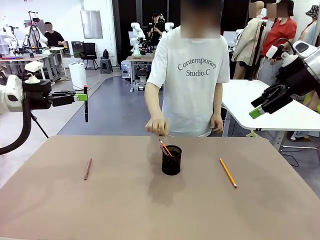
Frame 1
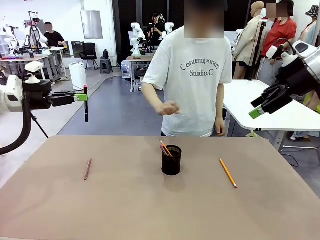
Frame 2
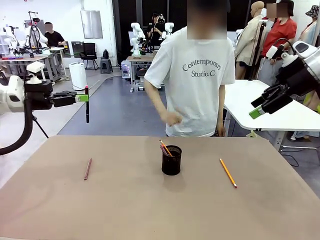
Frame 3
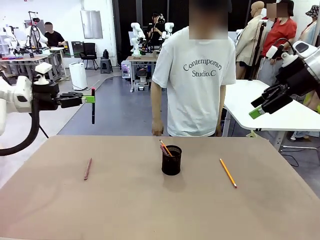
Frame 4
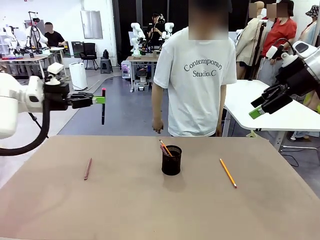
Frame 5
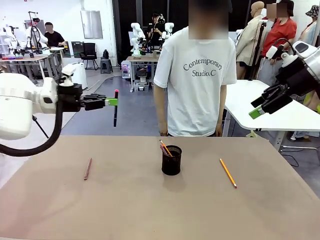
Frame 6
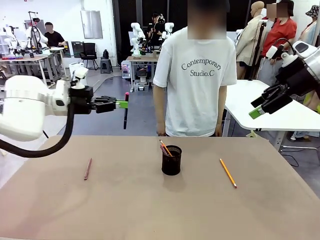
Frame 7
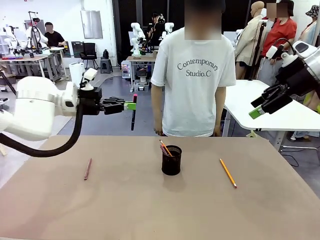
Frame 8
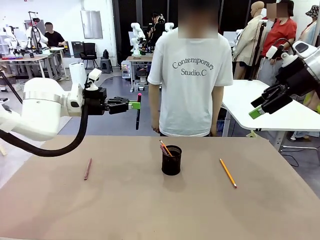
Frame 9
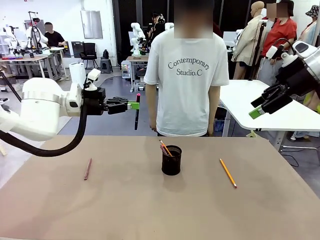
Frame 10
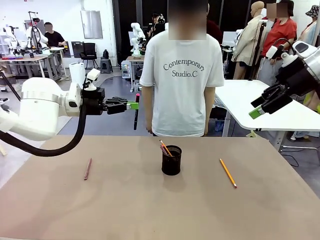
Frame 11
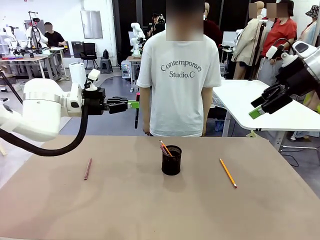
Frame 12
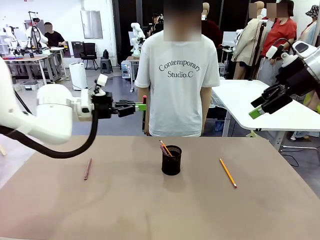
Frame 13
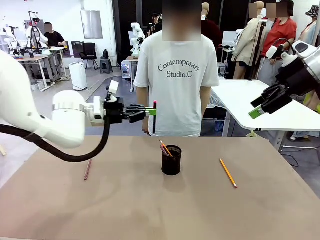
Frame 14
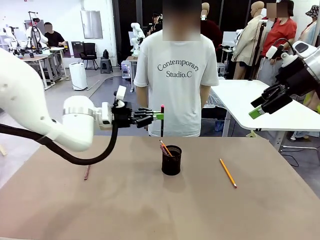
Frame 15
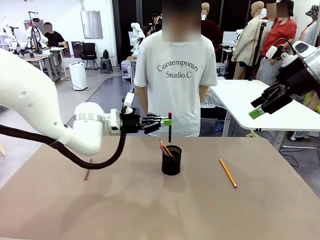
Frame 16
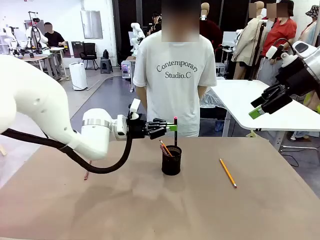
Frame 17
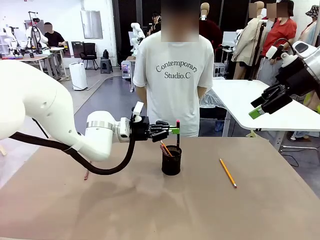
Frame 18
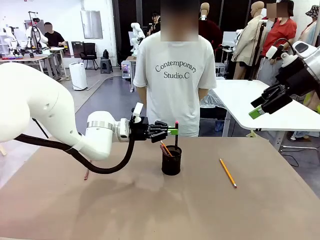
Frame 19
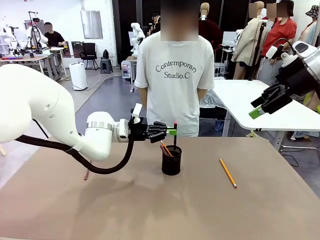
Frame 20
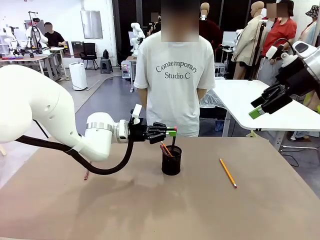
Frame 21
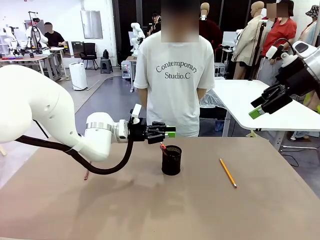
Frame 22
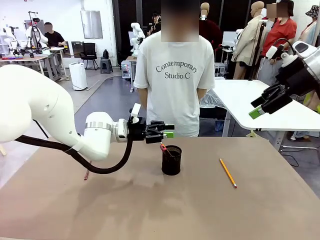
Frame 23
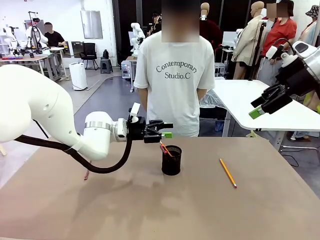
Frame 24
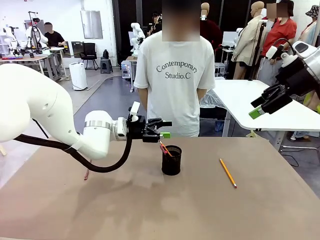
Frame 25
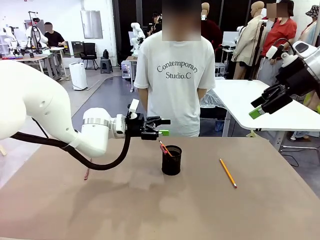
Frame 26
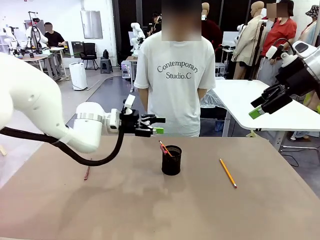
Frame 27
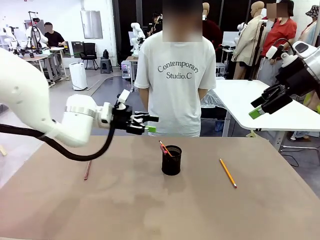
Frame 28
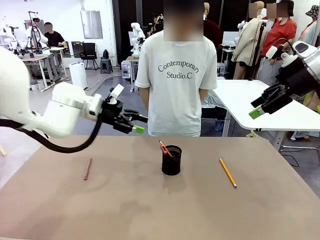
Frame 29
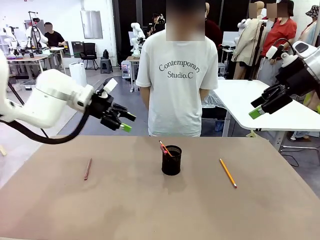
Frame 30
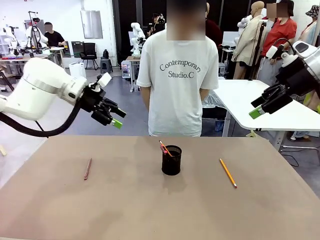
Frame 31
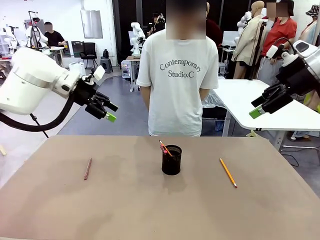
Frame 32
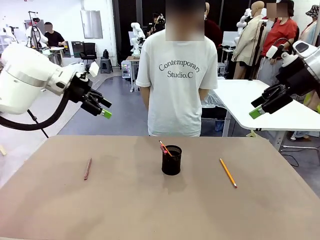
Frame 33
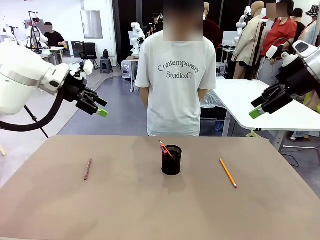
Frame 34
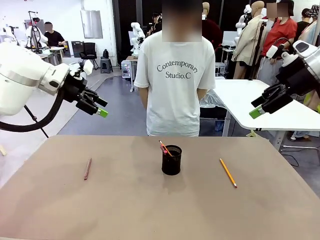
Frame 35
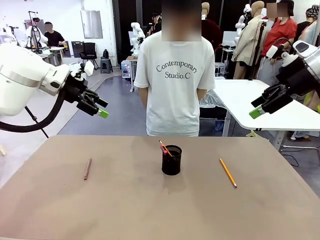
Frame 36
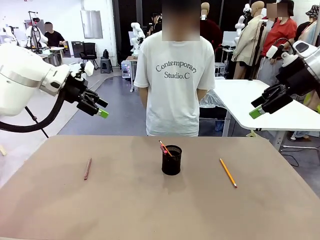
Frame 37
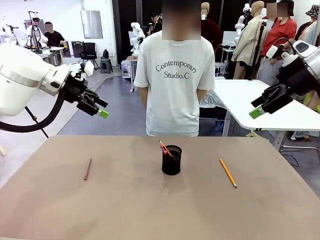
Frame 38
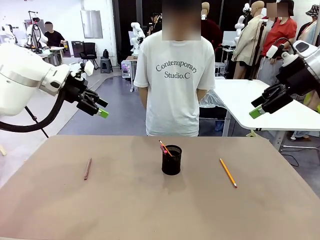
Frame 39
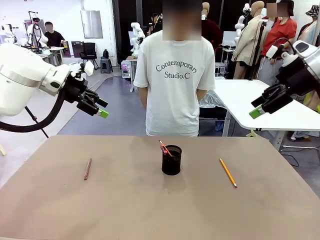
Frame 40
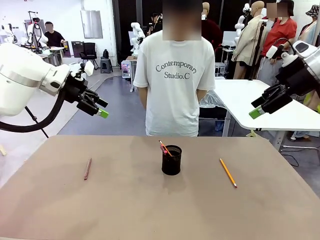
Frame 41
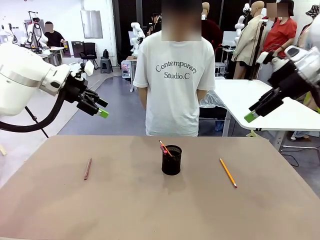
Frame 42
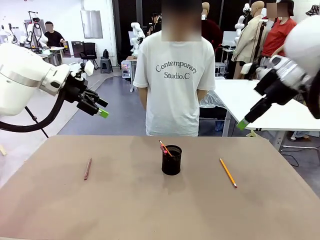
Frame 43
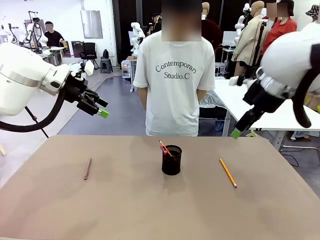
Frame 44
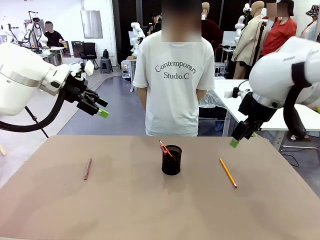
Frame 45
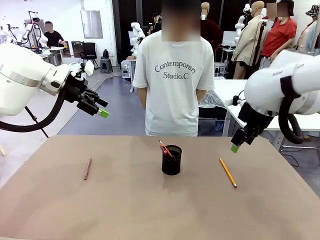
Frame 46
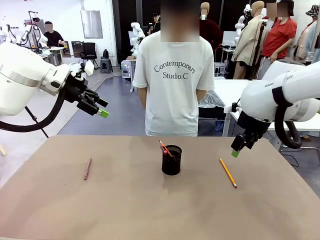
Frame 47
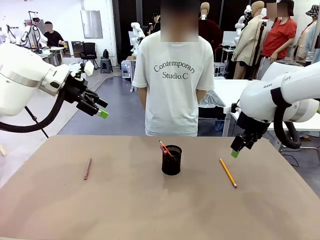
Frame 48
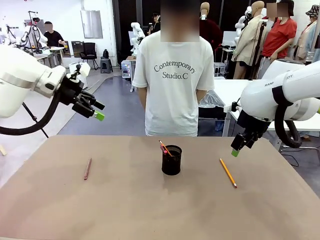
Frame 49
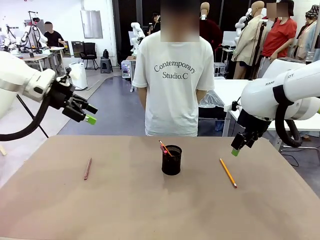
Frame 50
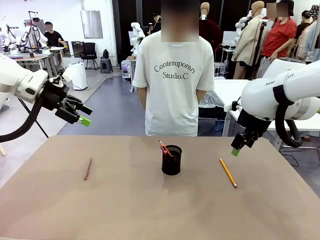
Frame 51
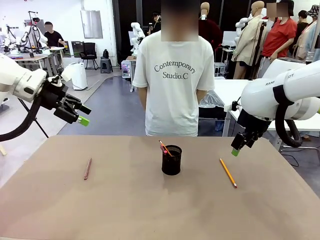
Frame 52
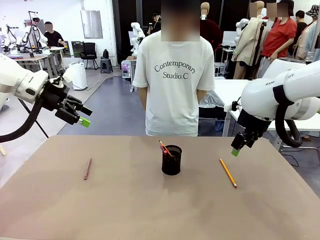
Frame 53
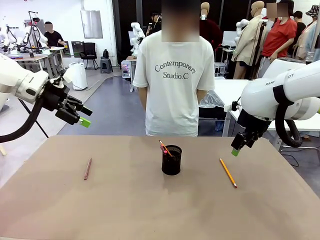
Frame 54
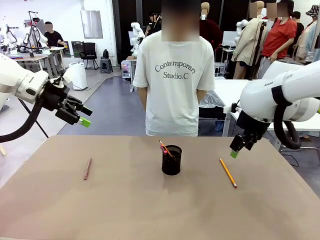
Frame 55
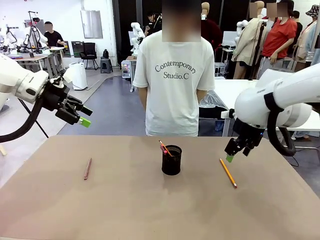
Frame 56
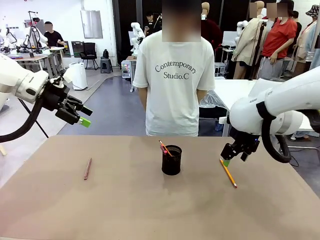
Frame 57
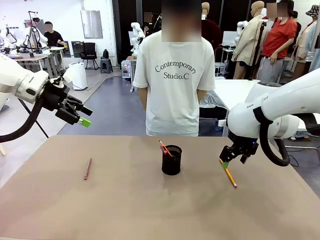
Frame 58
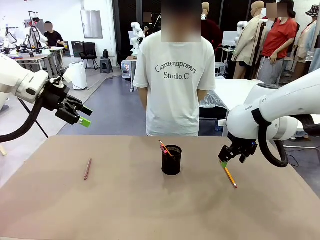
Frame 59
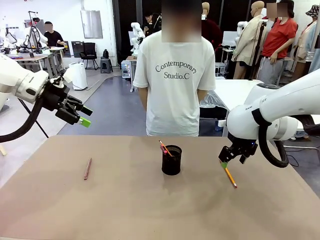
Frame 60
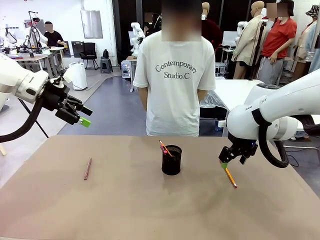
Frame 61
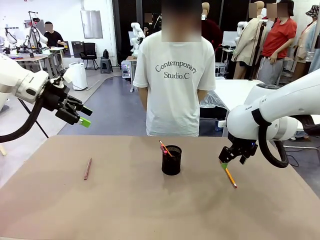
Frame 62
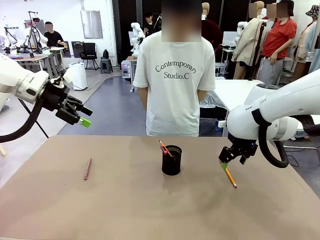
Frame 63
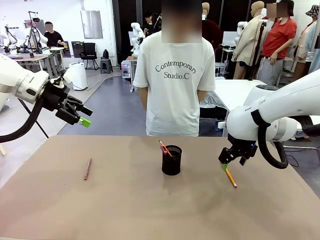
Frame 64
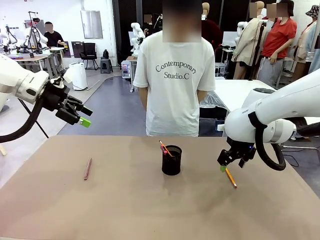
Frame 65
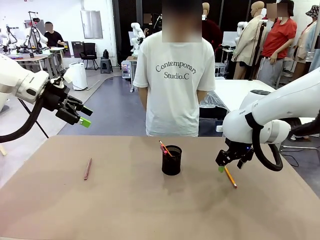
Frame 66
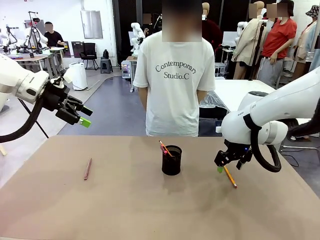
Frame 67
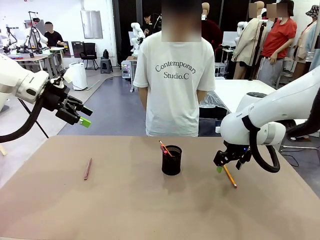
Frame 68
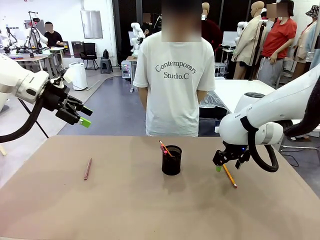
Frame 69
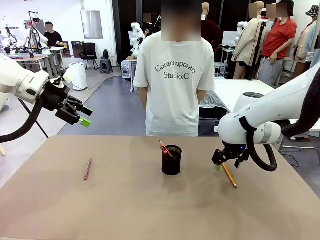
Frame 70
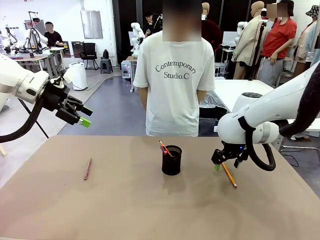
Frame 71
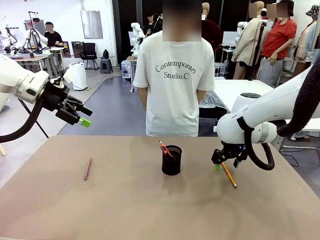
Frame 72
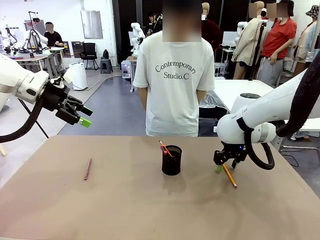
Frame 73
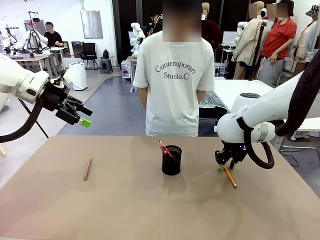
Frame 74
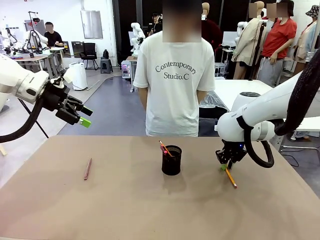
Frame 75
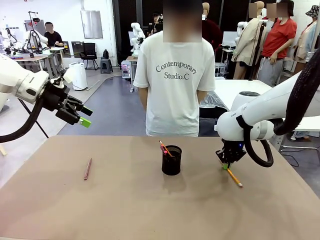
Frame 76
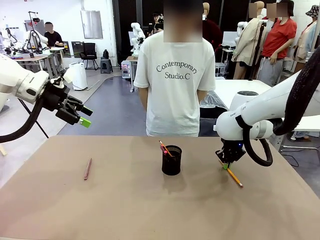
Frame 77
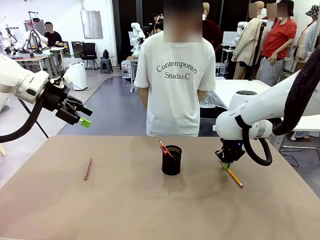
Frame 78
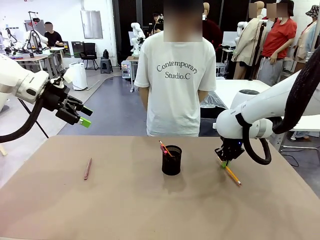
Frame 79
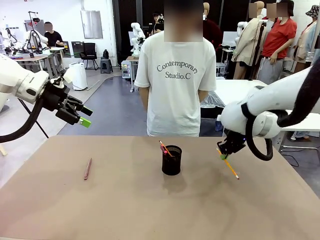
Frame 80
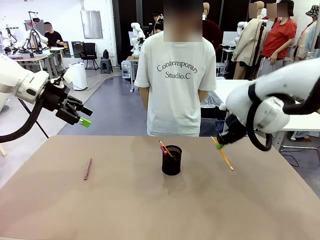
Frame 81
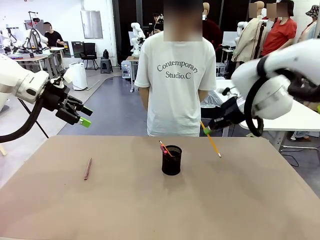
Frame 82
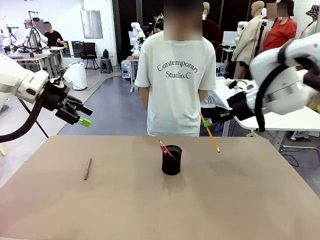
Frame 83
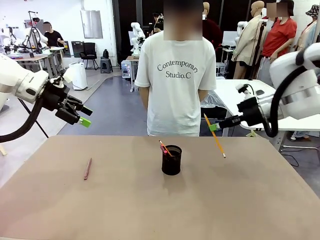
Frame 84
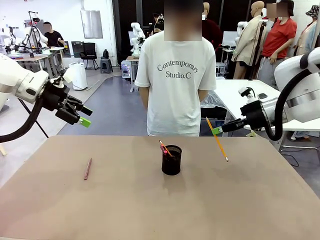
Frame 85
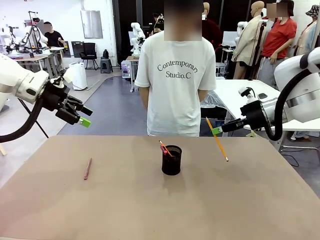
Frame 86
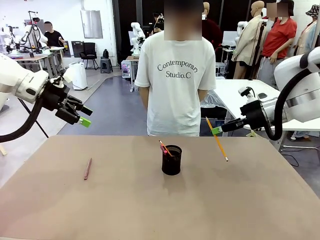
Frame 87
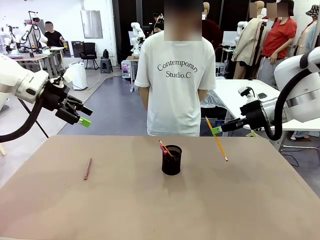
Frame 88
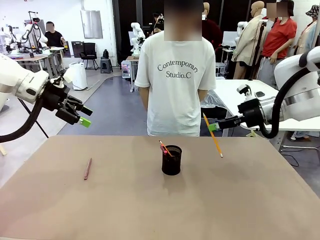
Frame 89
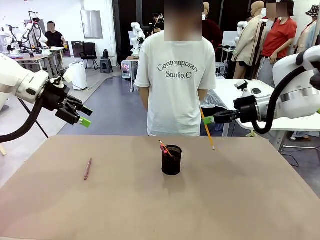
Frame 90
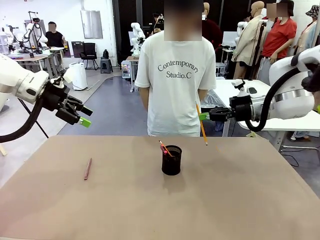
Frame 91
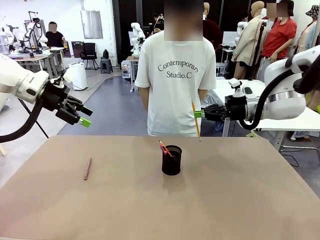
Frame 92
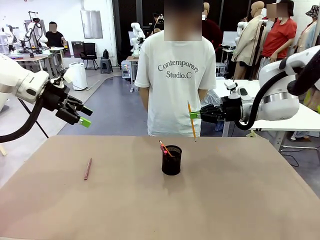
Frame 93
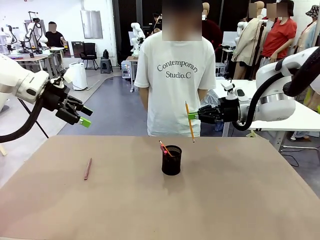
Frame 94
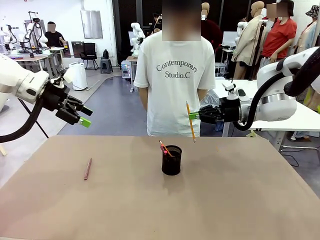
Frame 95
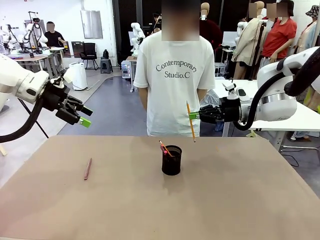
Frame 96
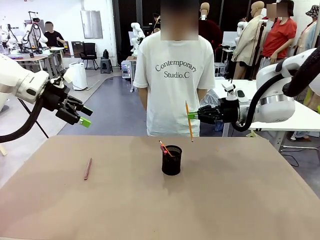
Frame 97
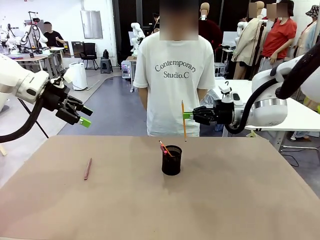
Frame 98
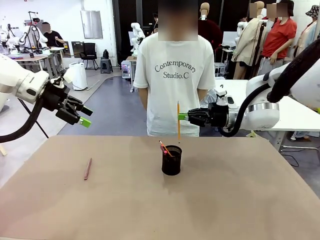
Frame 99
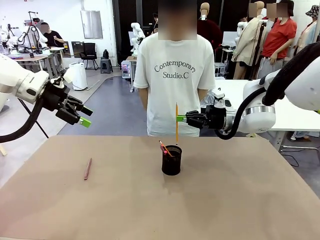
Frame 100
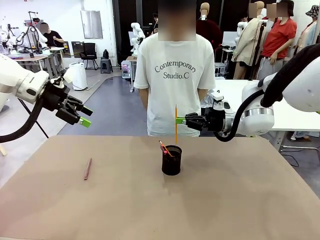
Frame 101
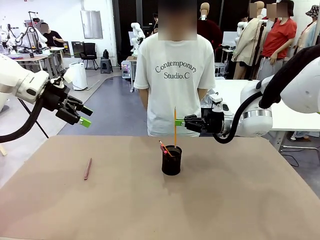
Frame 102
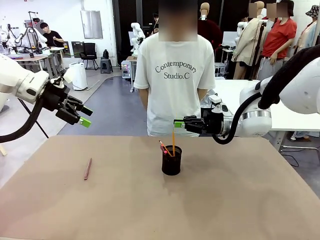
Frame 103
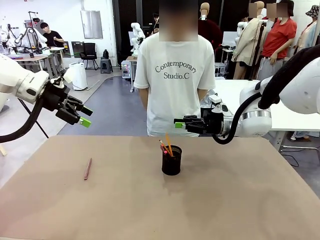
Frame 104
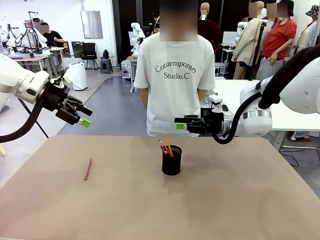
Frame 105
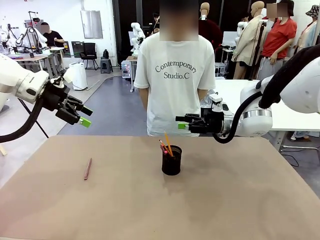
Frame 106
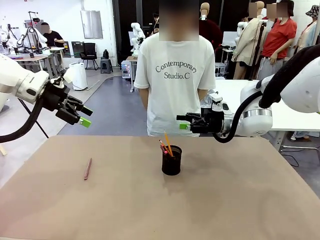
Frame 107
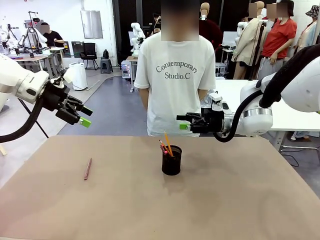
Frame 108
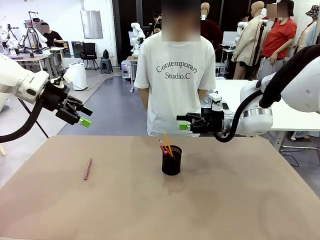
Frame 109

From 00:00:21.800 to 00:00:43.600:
Task: Place the pens into the pen holder.
Robot: Pick up a writing instrument from the table and place it into the Pen holder.
